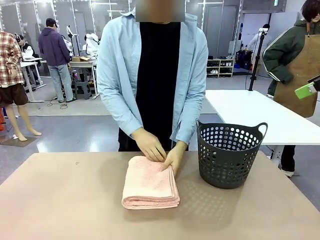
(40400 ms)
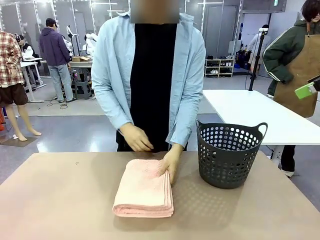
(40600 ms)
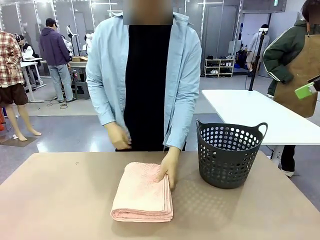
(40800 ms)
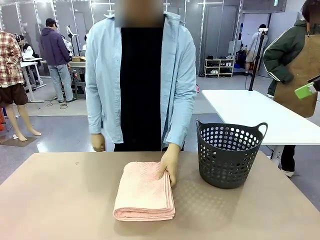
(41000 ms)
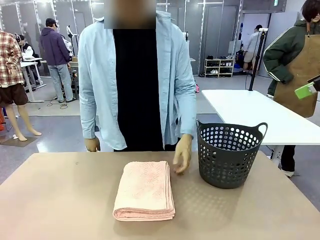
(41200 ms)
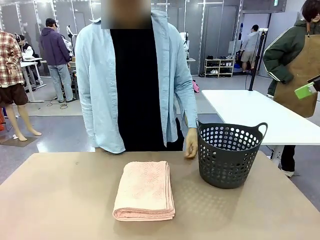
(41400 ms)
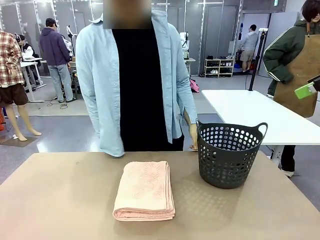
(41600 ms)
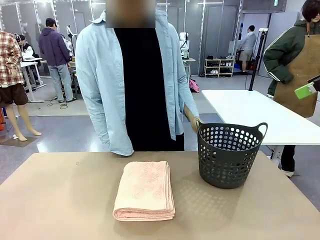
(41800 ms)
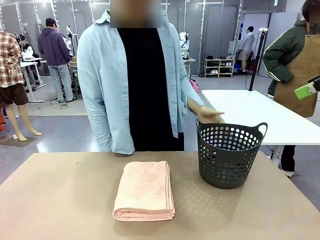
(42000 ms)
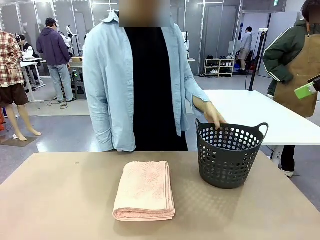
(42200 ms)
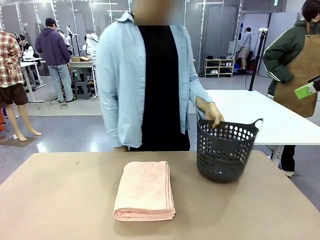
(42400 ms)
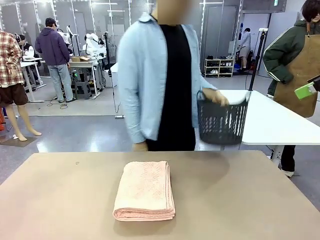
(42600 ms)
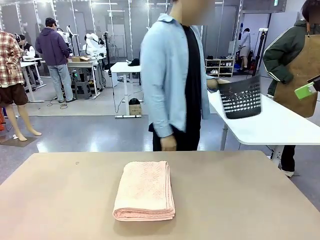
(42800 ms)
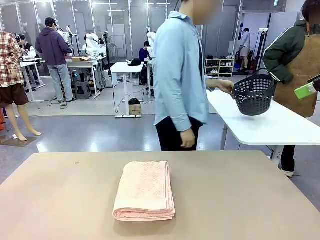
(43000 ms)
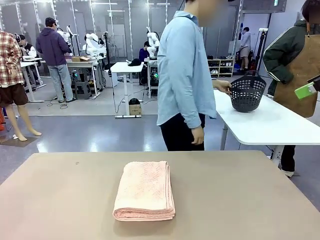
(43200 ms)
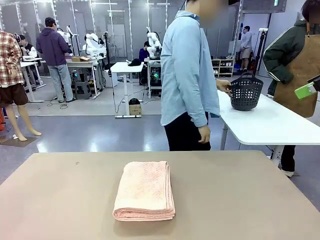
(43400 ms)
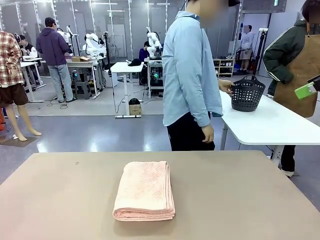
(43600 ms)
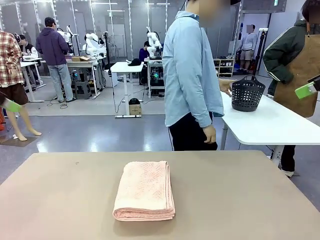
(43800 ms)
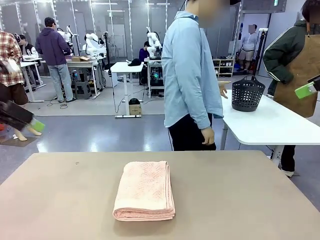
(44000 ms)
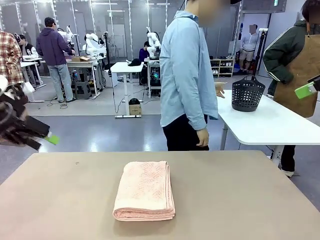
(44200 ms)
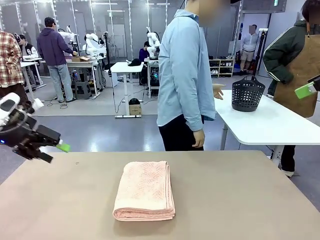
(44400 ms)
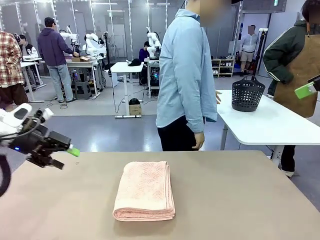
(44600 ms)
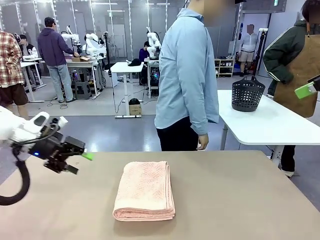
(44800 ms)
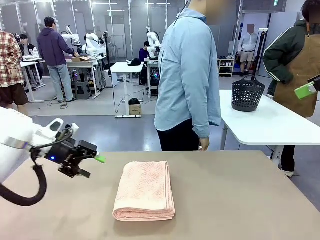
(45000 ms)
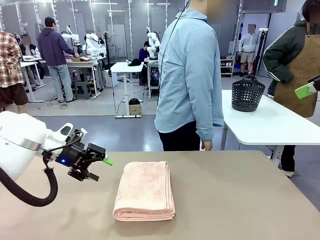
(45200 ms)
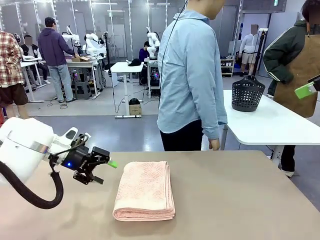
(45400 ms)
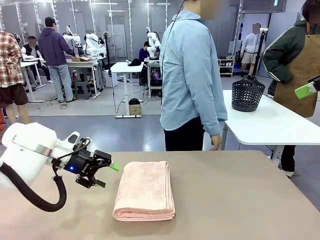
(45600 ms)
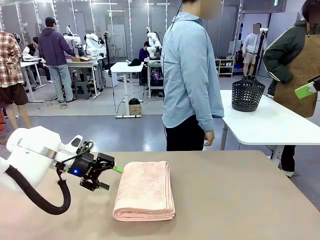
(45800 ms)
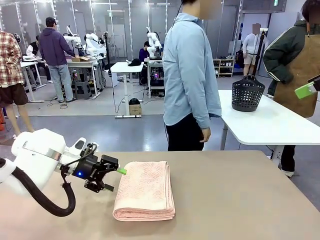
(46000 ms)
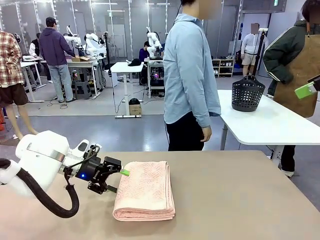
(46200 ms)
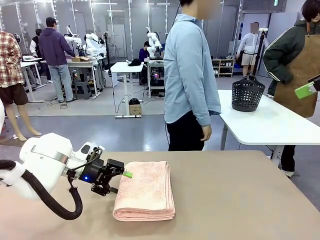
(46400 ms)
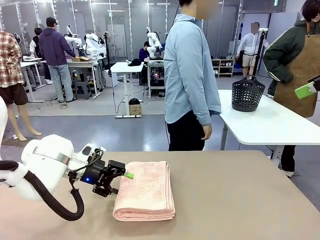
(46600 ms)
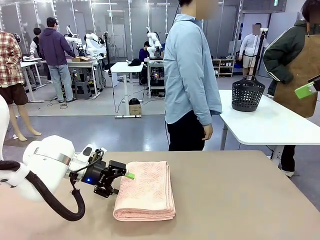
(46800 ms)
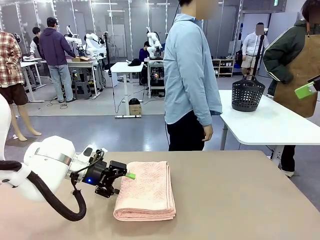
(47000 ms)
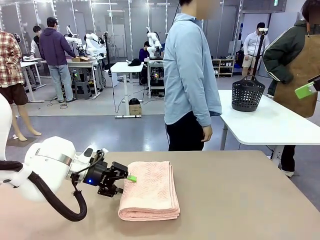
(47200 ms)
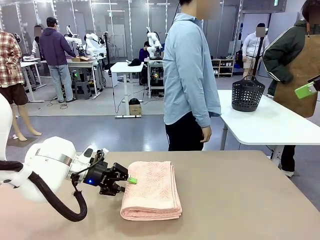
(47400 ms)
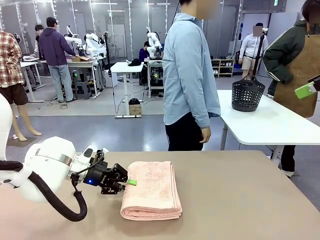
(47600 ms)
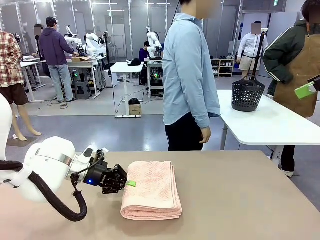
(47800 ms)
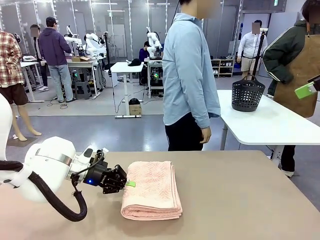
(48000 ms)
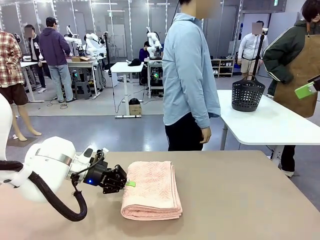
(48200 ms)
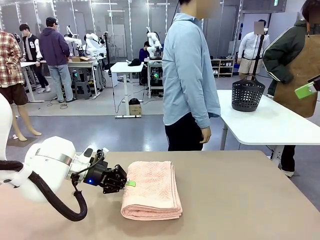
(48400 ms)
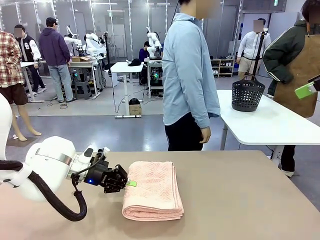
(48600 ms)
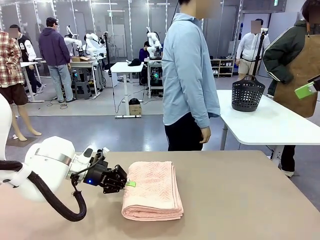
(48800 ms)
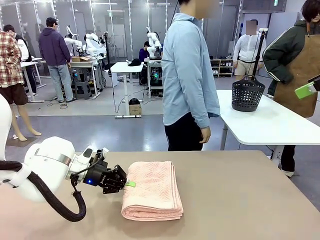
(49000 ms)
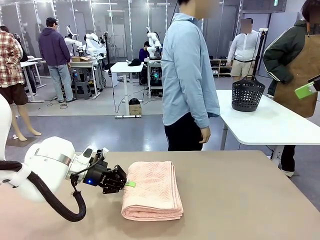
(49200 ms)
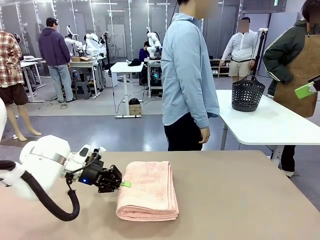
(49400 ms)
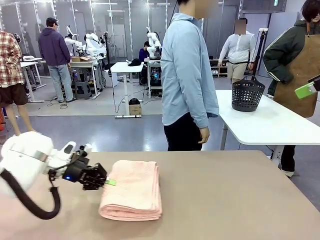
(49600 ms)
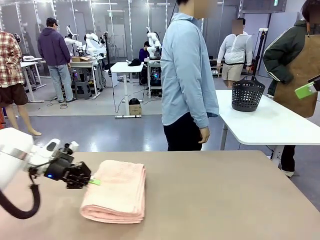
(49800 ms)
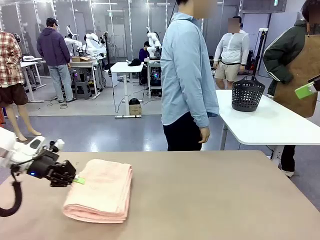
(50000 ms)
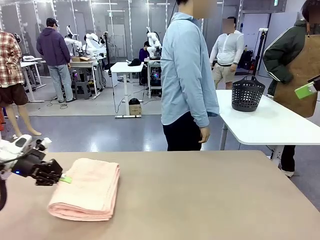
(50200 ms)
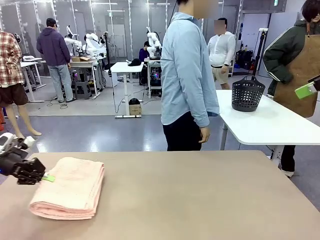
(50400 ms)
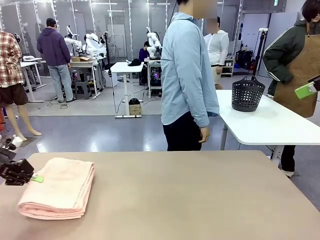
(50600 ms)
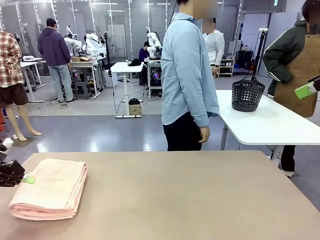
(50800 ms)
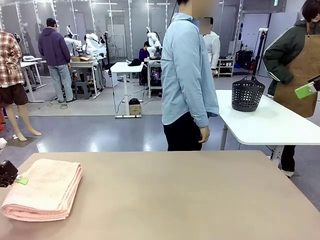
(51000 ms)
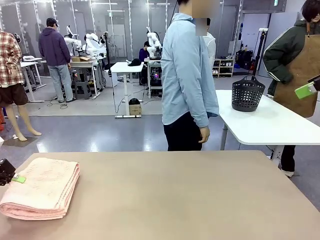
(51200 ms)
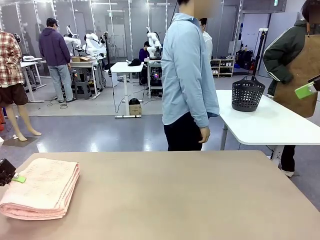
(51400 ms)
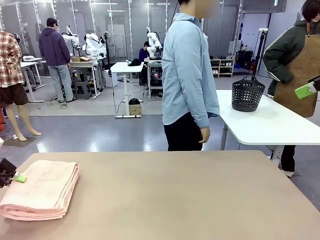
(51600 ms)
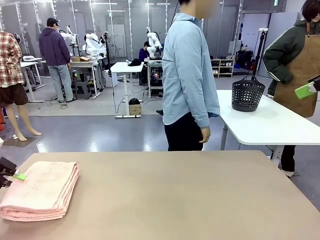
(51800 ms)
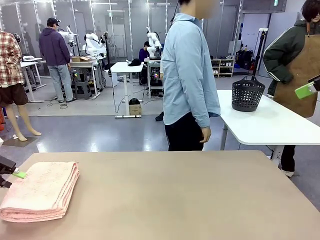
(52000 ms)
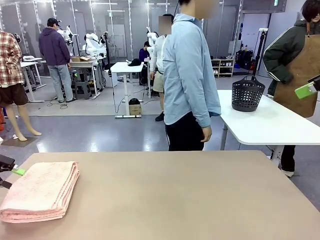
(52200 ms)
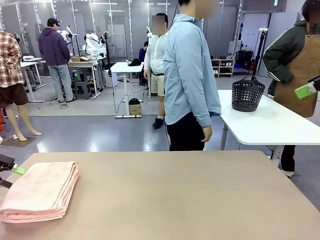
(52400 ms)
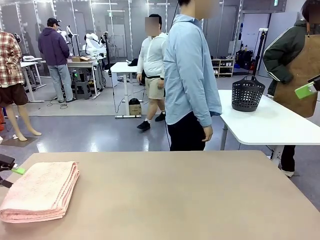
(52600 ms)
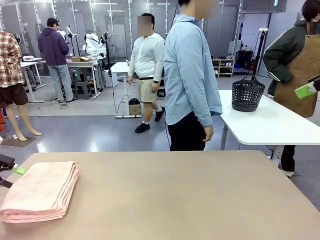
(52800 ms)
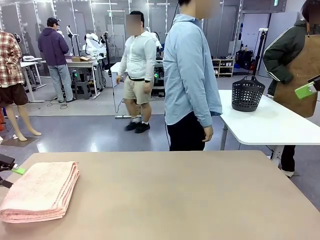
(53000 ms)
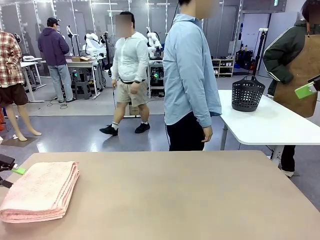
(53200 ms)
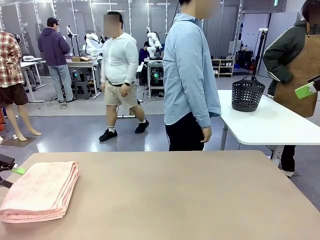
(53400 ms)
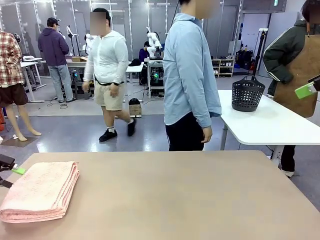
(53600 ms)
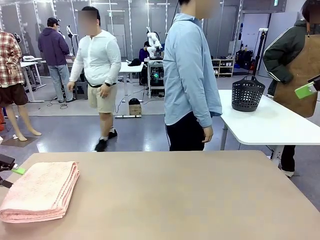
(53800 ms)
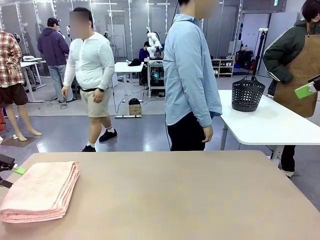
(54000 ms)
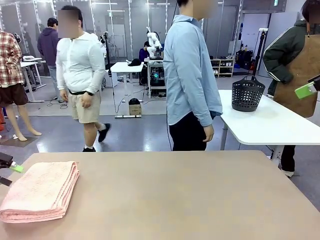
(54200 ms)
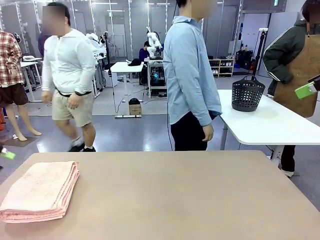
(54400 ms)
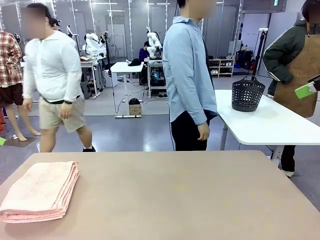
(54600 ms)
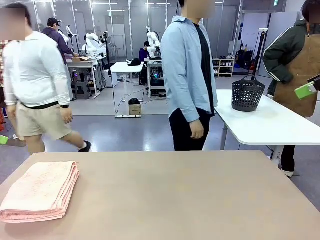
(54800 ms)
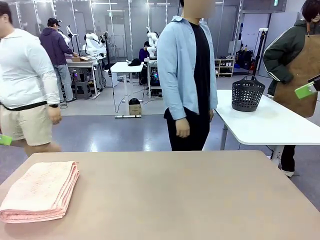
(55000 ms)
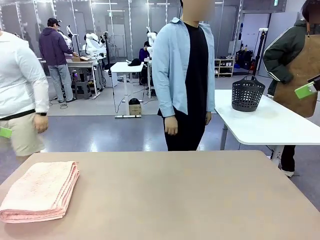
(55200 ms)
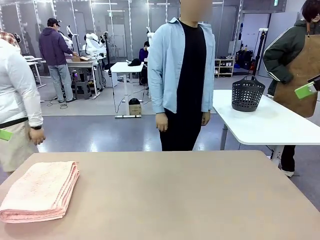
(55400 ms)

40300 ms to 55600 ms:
Task: Fold the towel.
Robot: Pick up the 100 cm Hotel Towel and place it on the left side of the table.
Person: Pick up the laundry basket and place it at the center of the human table.
